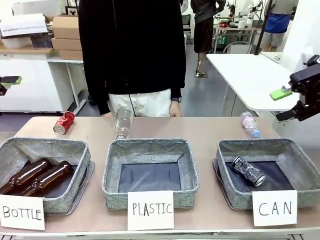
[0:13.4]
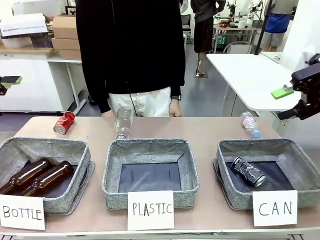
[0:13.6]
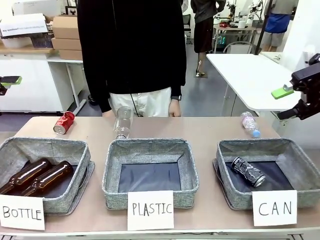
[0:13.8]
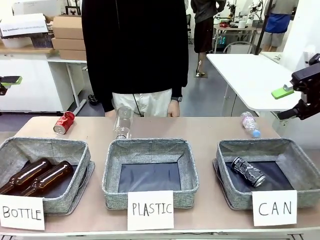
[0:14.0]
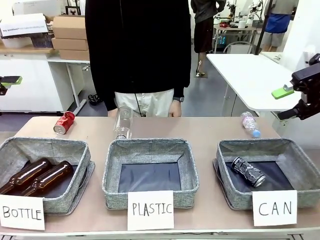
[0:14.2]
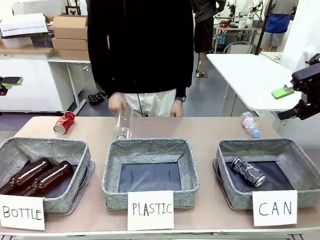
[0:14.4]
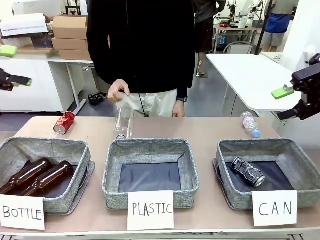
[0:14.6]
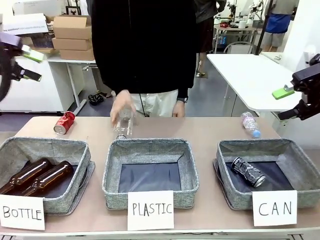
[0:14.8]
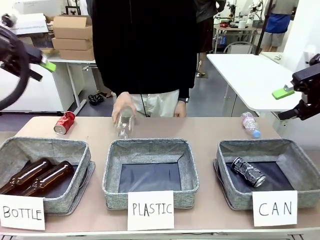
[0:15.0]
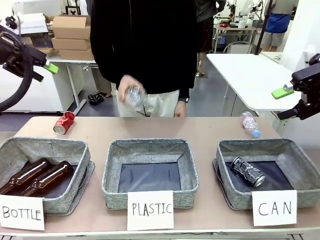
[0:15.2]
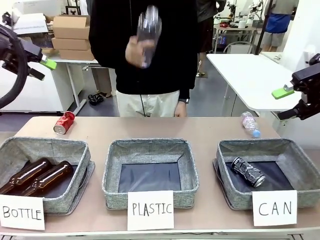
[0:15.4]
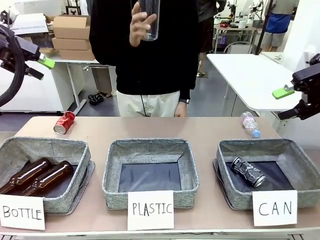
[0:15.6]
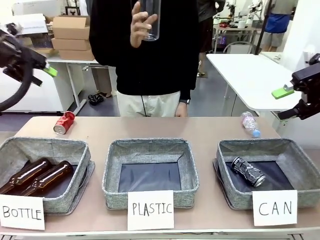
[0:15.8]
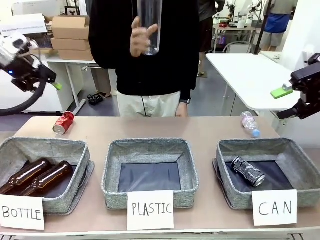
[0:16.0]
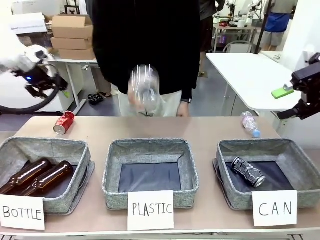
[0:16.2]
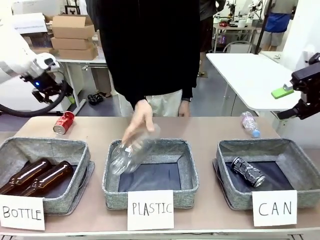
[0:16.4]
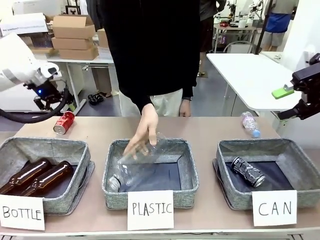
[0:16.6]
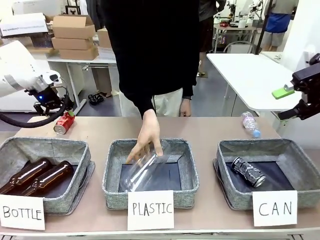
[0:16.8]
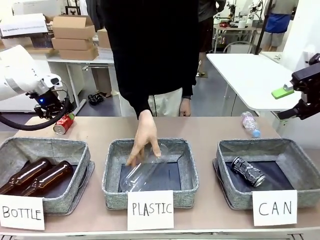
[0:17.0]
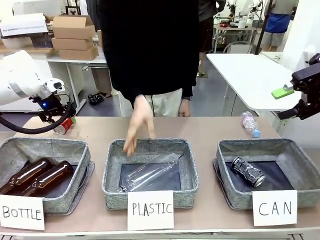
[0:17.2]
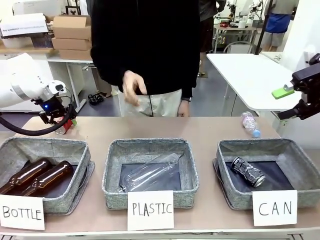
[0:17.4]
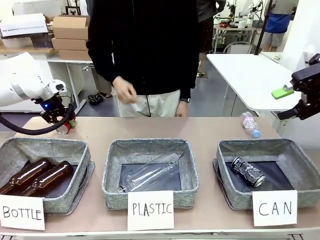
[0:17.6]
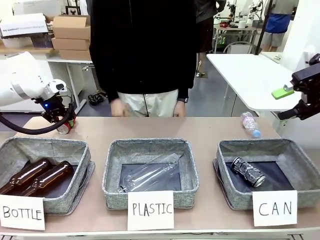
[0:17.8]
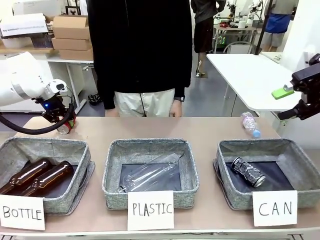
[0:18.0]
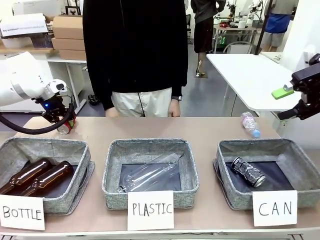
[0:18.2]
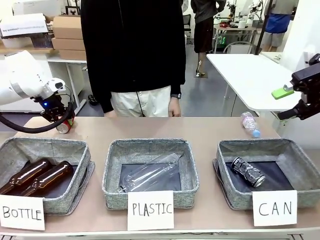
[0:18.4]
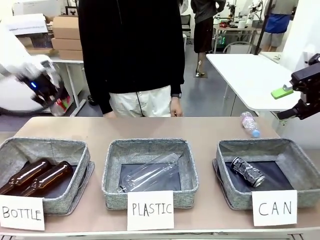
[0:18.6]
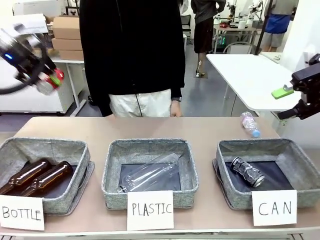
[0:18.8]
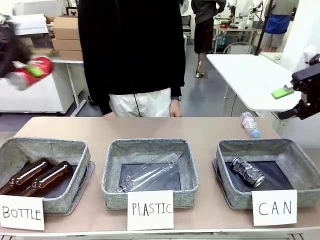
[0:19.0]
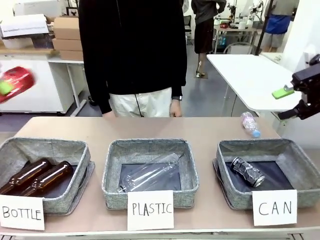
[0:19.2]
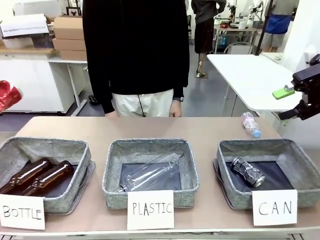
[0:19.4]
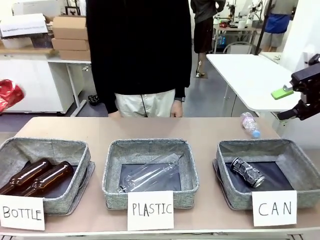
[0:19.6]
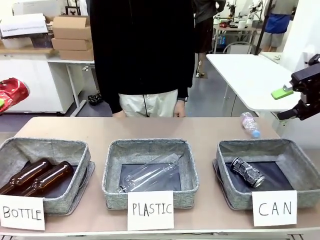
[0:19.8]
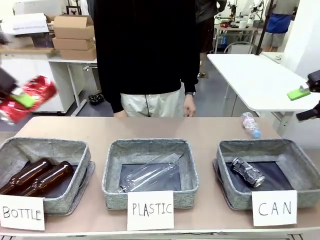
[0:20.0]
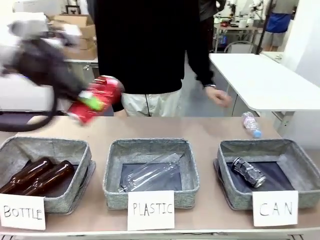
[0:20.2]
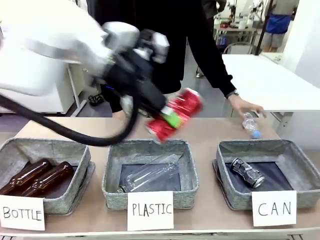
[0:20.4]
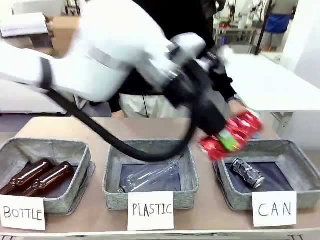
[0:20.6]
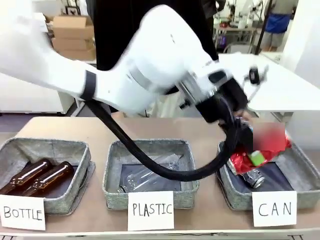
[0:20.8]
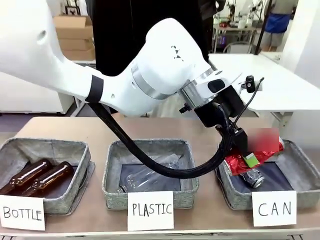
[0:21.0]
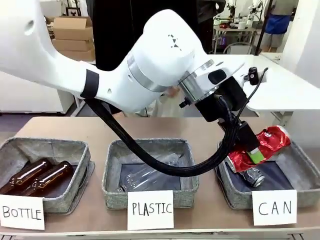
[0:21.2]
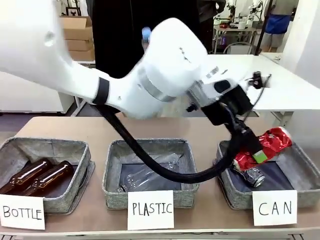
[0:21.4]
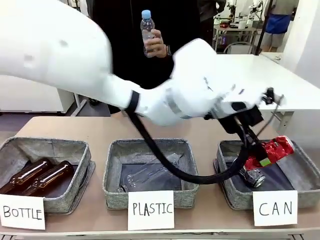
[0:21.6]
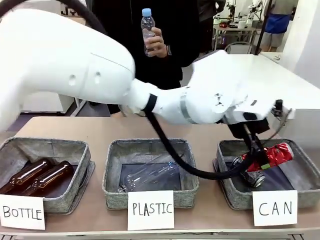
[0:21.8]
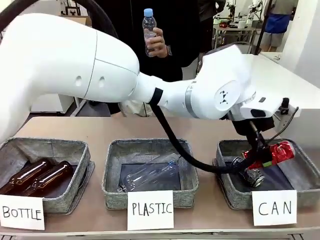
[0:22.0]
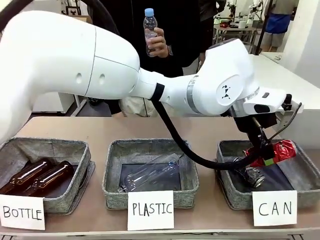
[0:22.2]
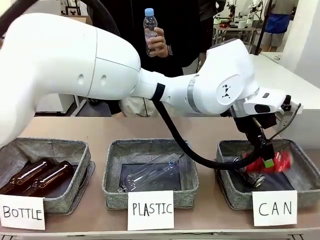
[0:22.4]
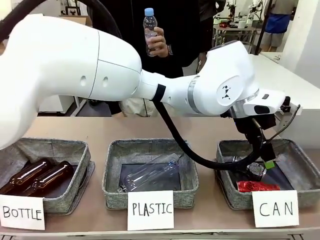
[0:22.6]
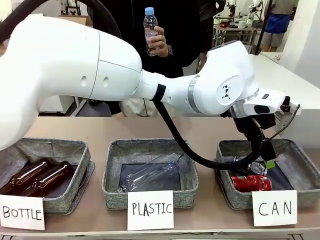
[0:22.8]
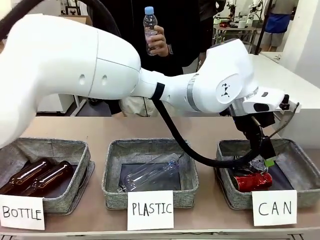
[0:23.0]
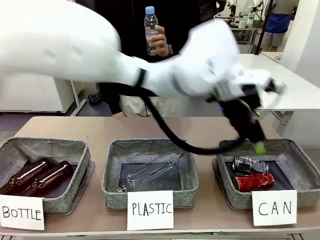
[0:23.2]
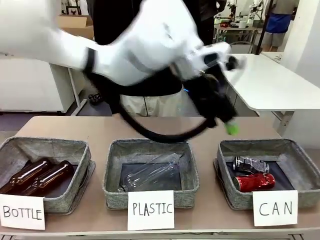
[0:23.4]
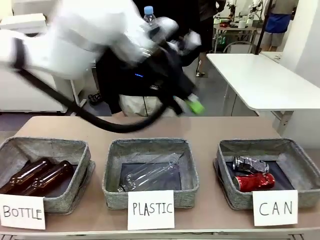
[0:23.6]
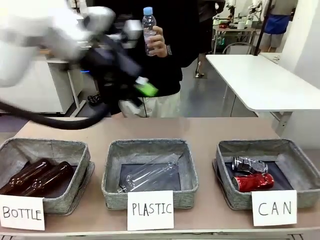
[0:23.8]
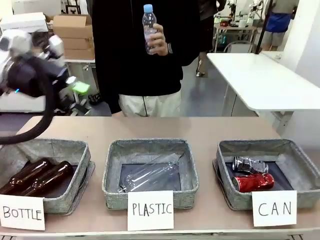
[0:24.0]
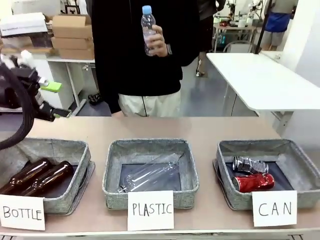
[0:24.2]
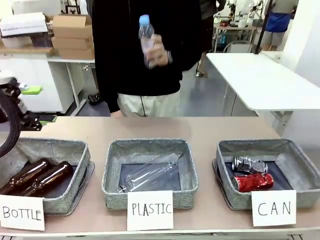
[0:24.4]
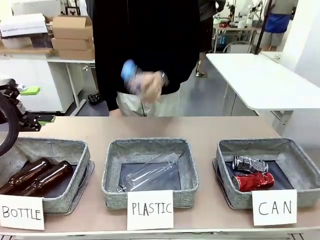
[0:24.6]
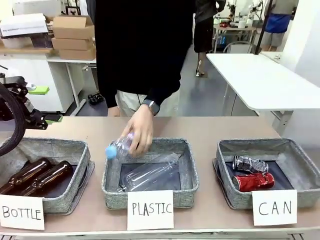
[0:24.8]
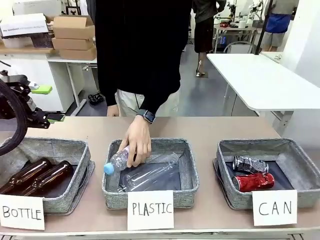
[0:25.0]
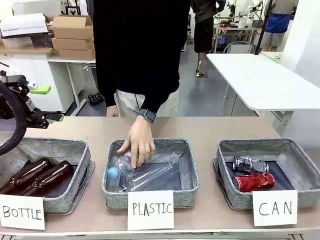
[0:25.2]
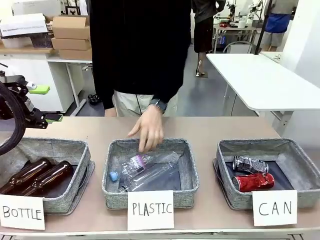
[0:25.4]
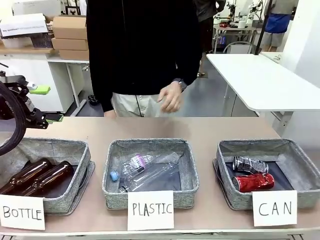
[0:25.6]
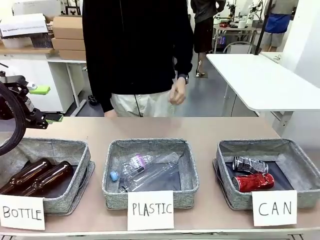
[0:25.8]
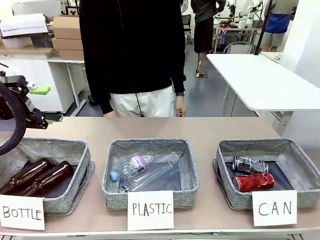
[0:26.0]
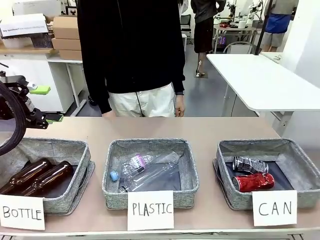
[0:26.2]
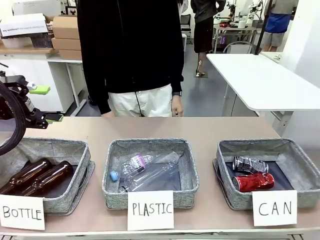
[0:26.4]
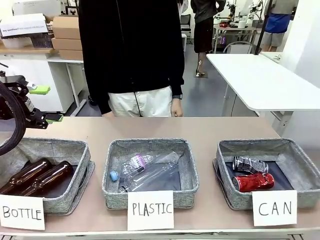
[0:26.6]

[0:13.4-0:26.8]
Task: Sort the can waste into the basket.
Robot: Pick up the can waste from the table and place it in the right Fabric basket.
